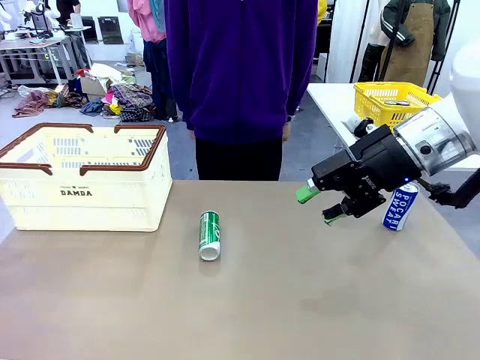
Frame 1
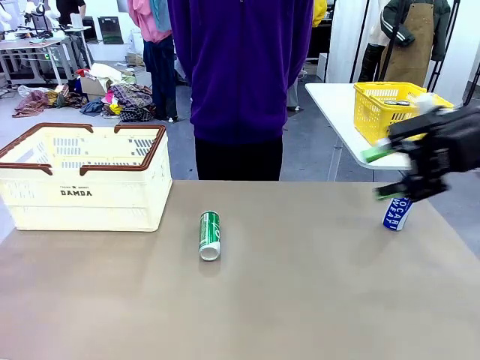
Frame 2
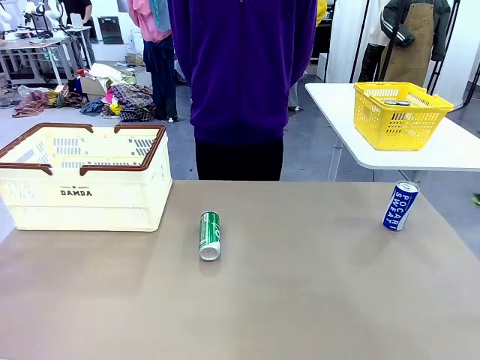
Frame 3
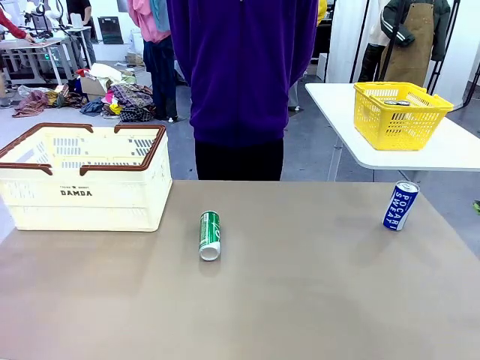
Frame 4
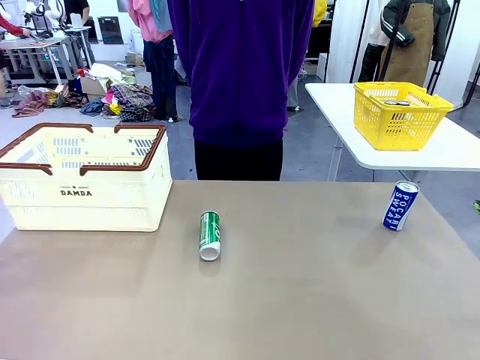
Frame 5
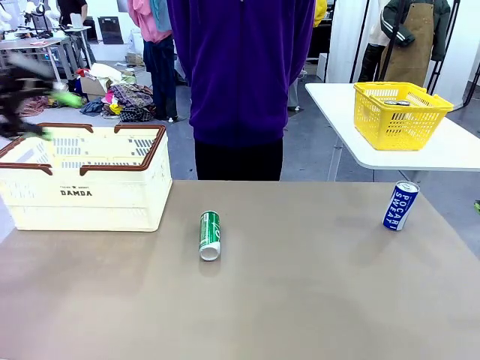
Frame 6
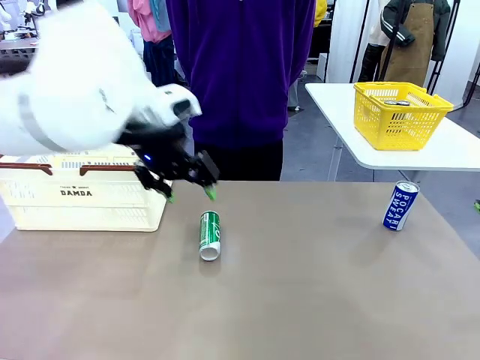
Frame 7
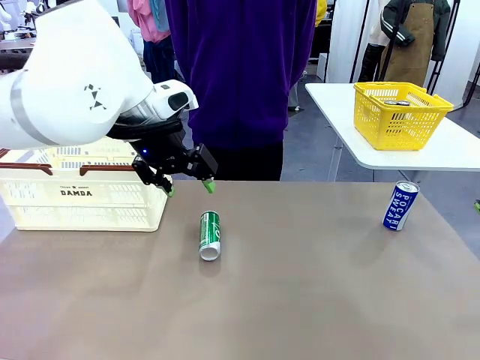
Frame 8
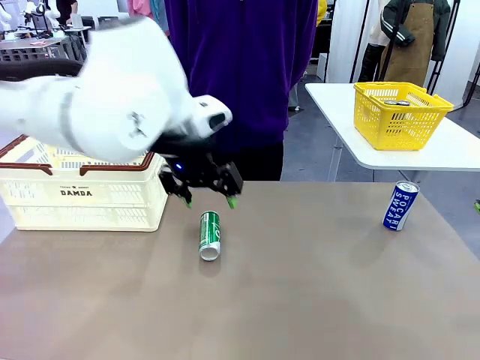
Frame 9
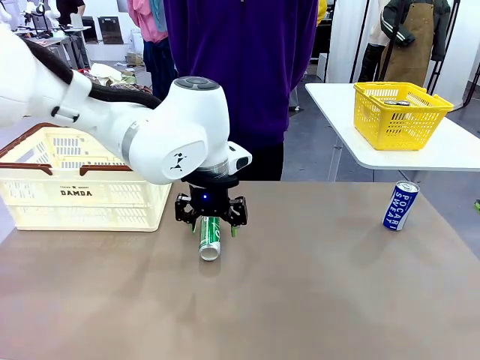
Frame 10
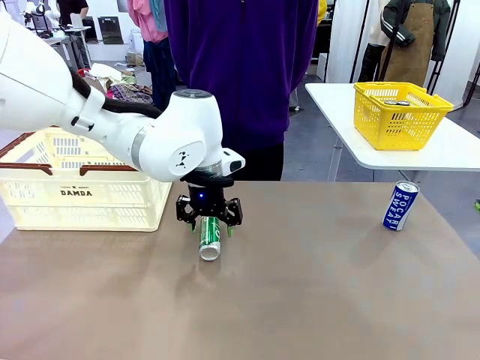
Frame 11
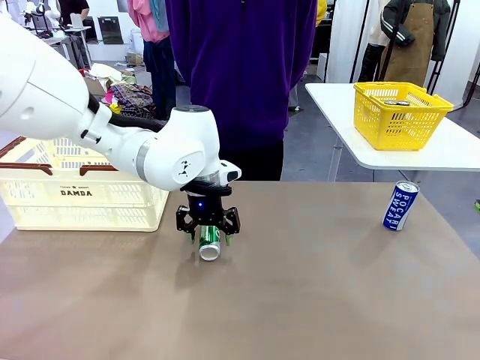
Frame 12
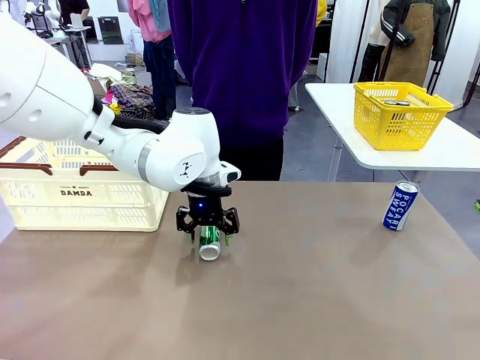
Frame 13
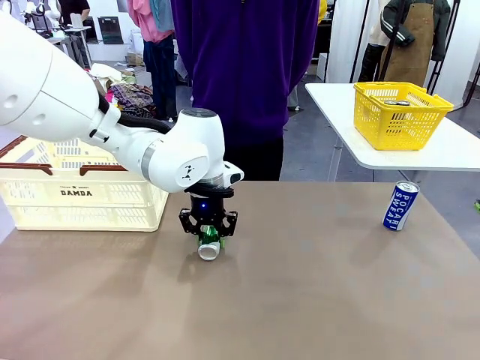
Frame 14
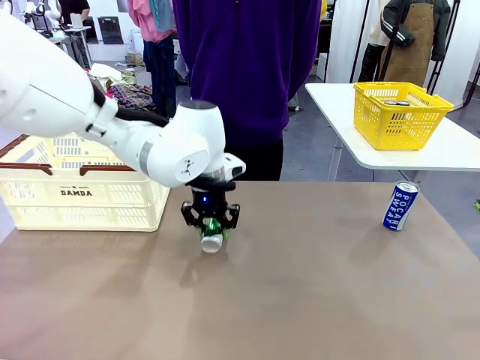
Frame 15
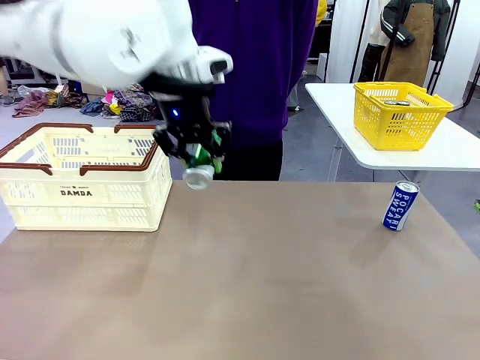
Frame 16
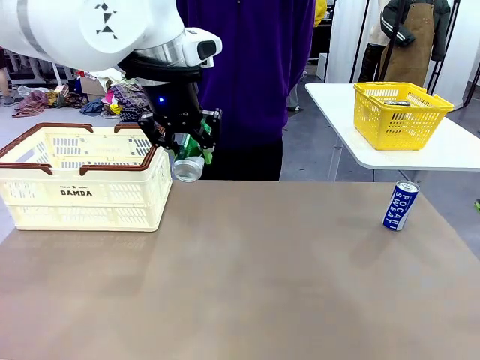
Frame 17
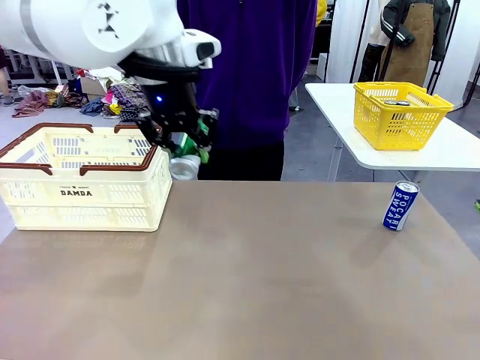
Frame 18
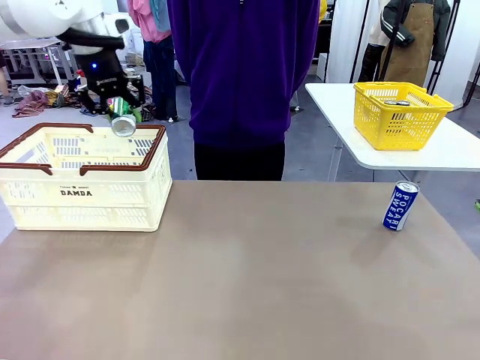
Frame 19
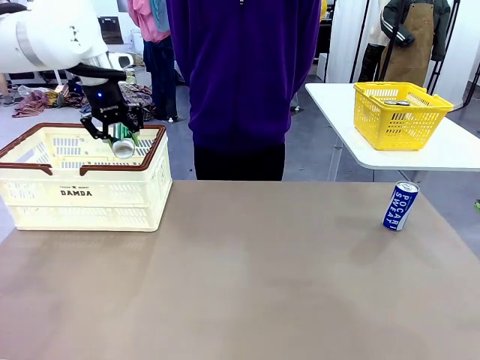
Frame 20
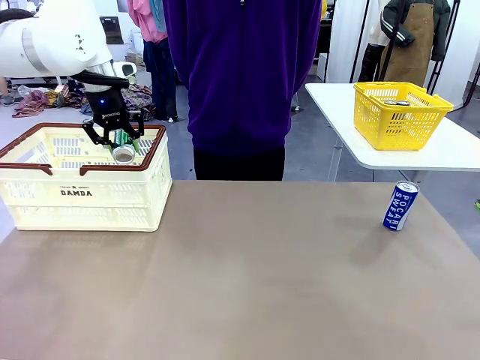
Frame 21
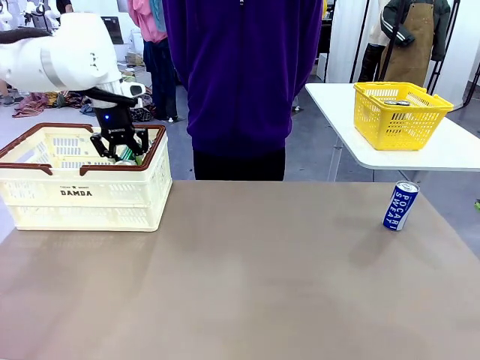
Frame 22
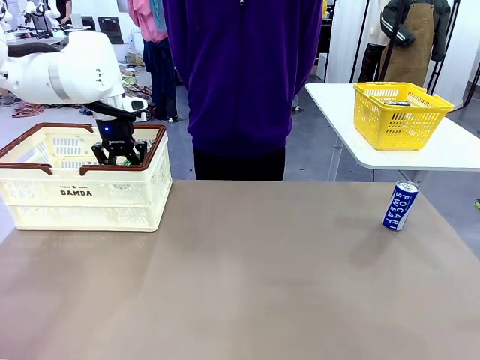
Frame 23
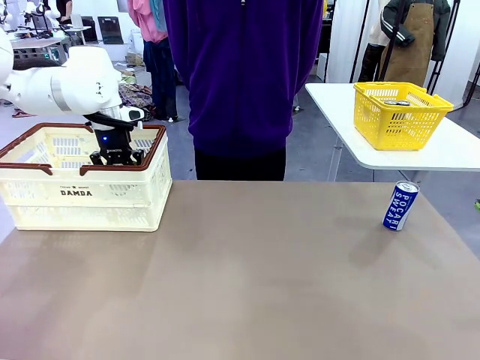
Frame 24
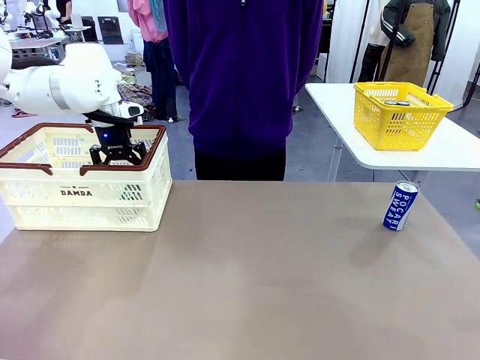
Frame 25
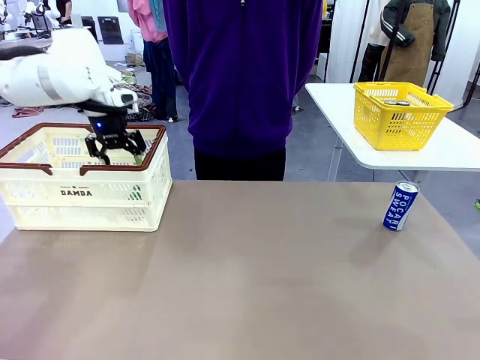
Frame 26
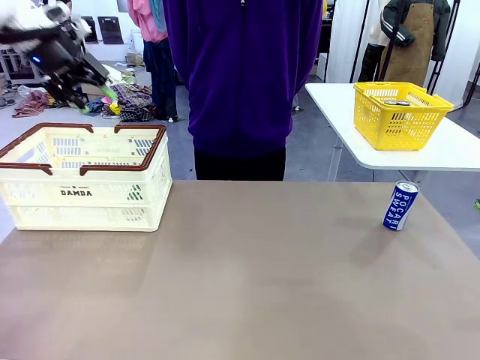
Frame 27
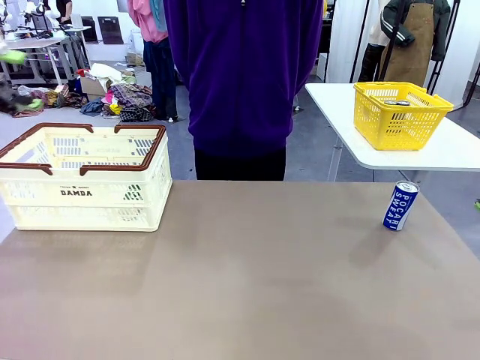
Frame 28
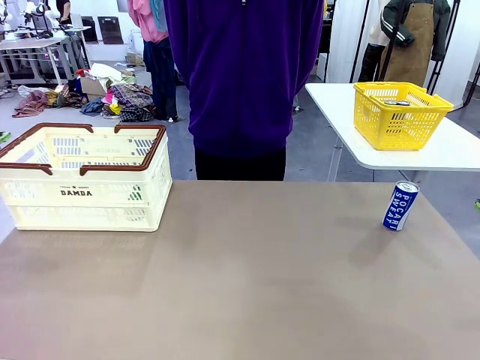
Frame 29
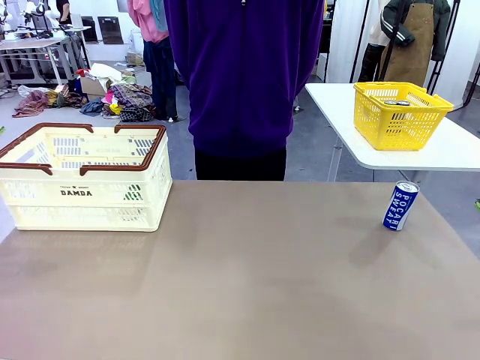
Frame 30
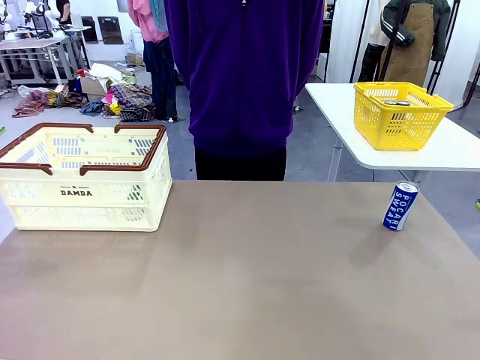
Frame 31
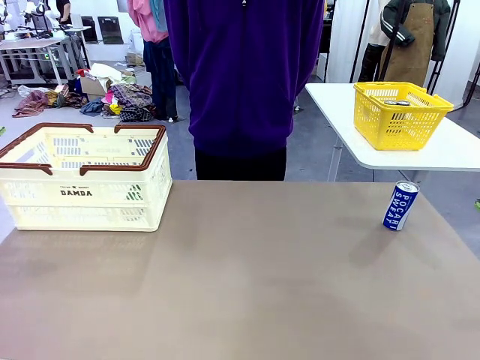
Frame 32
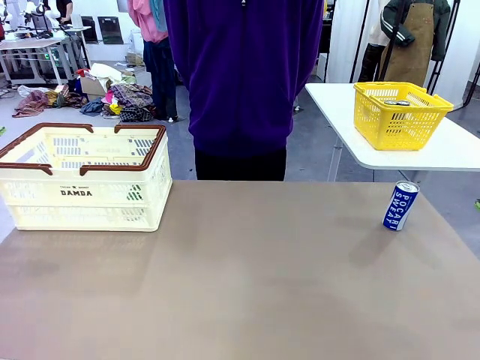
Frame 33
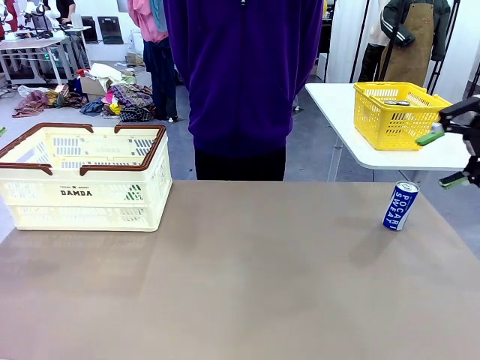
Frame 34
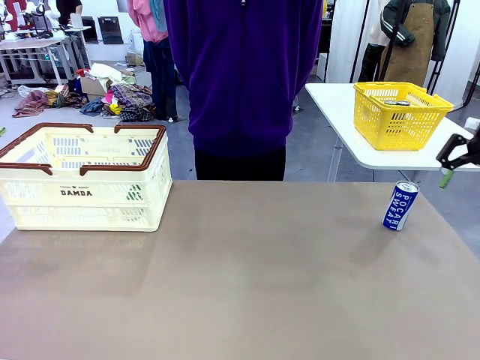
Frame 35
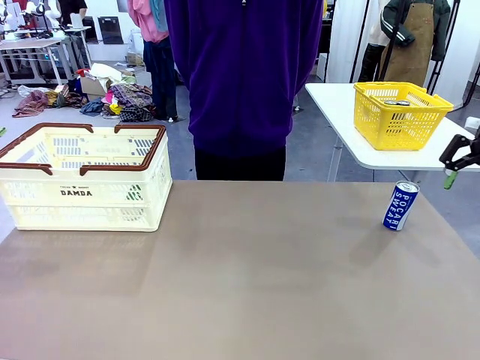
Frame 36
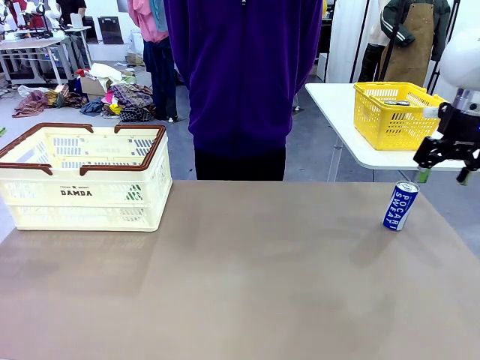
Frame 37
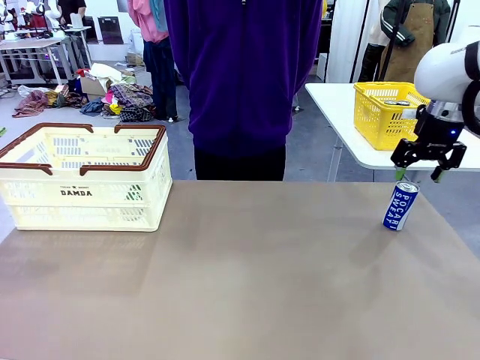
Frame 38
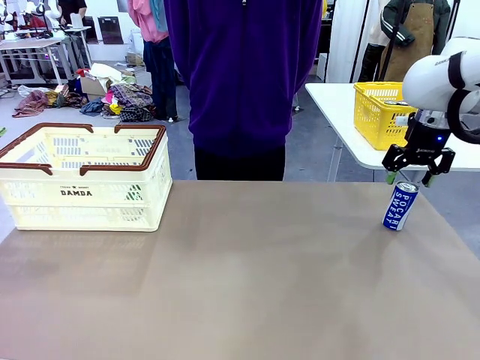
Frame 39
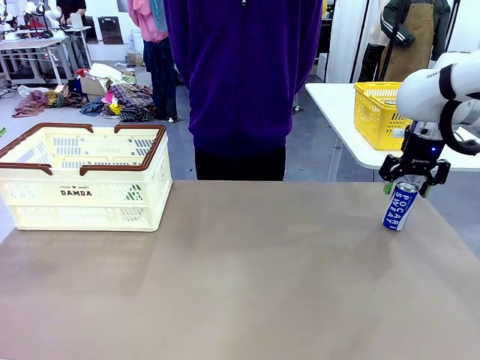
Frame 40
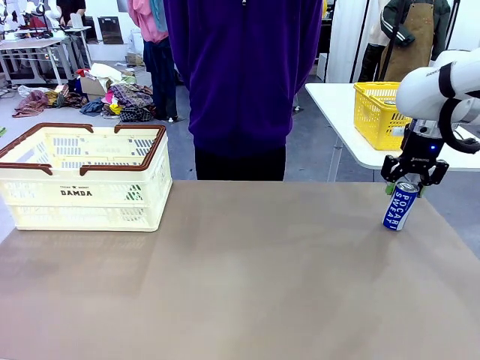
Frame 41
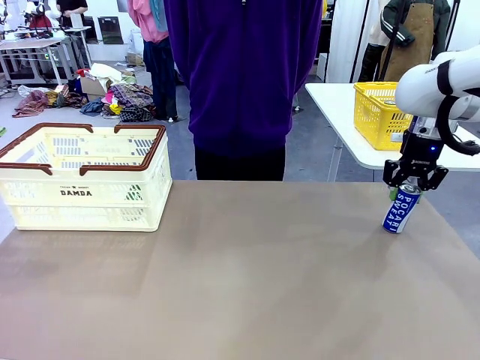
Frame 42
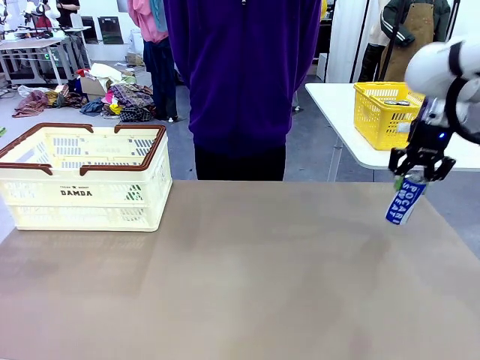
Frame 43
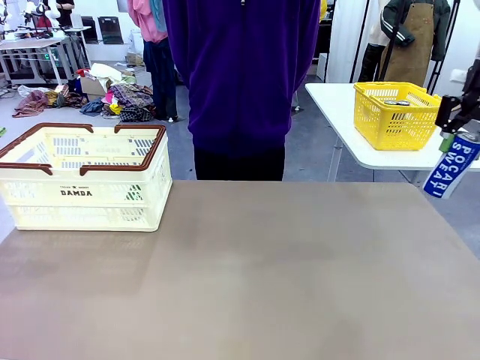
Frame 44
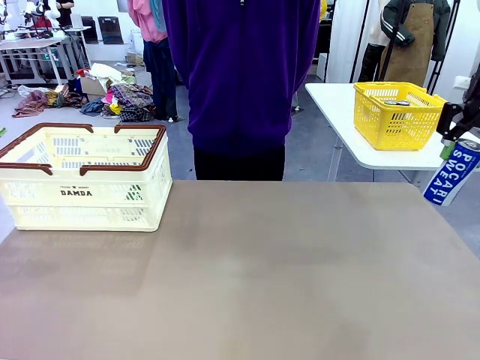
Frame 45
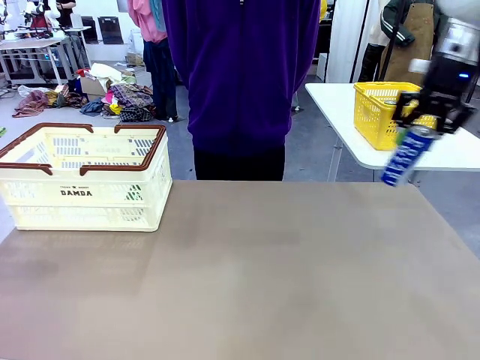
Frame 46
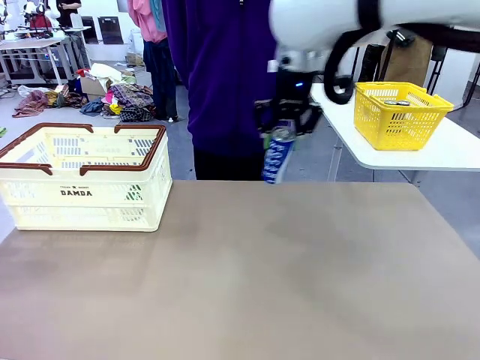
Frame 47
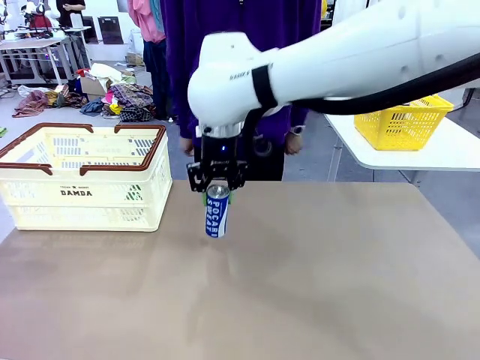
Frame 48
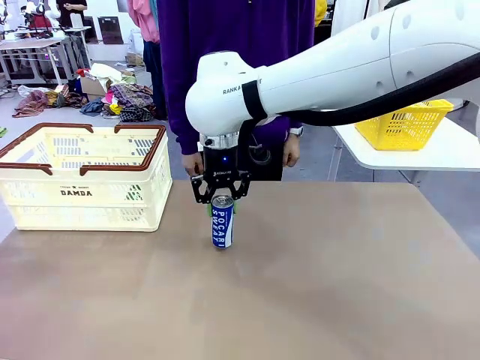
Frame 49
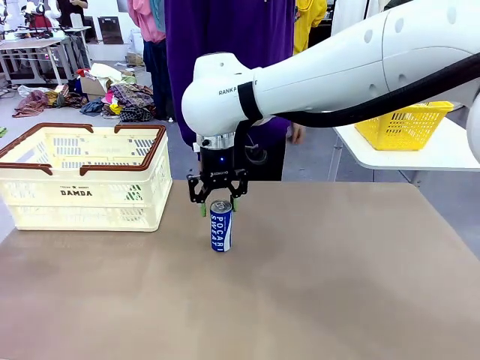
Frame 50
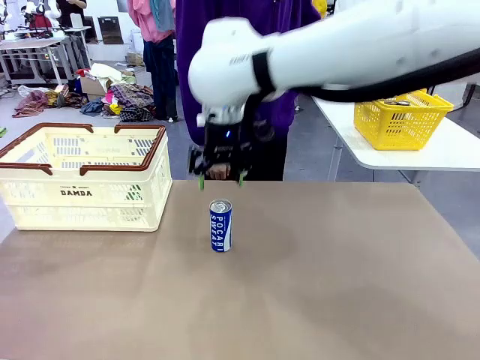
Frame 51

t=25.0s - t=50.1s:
Task: Place the drinks into the Shopping basket.
Robot: Pick up one drink and place it into the Shopping basket.
